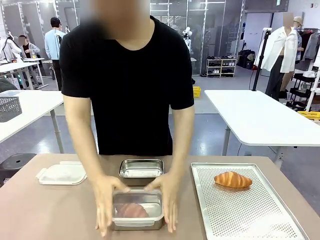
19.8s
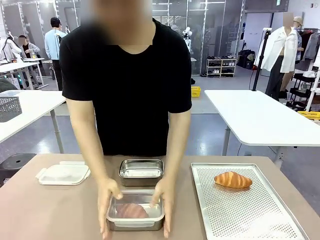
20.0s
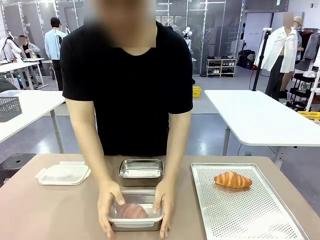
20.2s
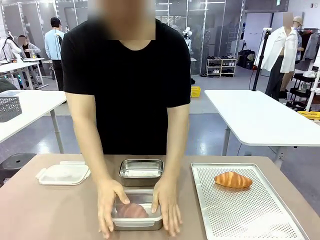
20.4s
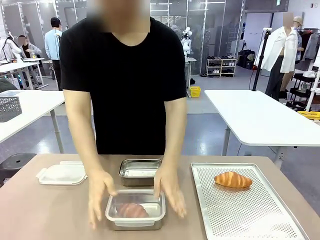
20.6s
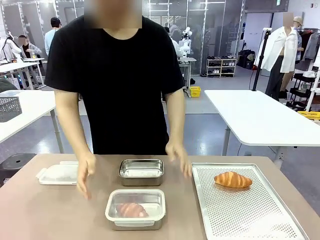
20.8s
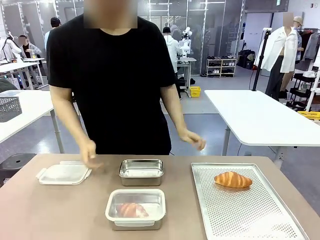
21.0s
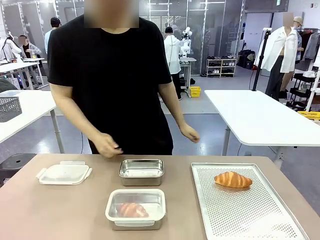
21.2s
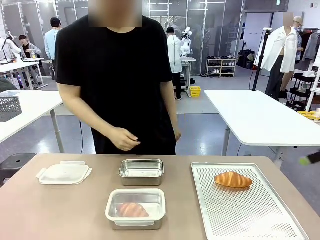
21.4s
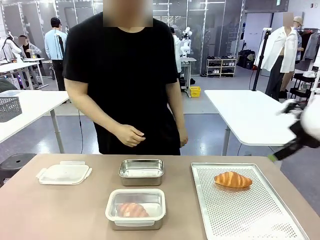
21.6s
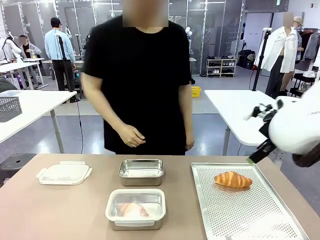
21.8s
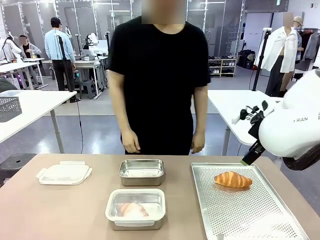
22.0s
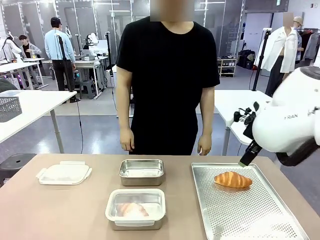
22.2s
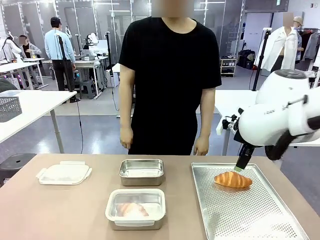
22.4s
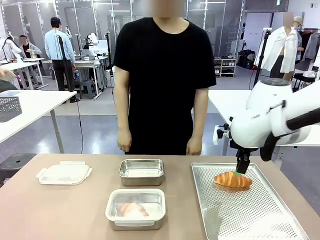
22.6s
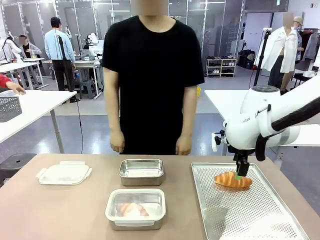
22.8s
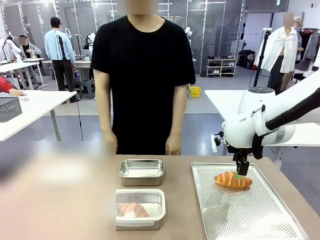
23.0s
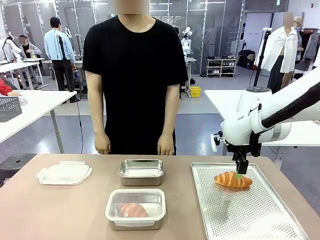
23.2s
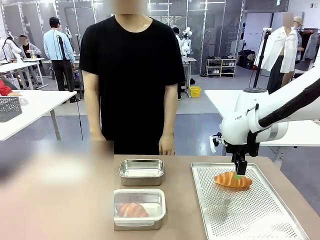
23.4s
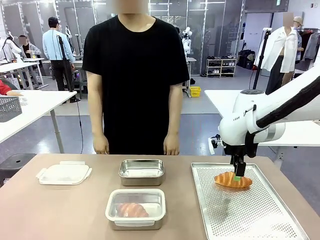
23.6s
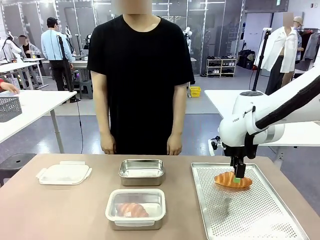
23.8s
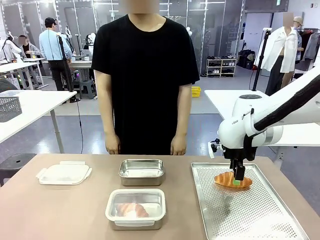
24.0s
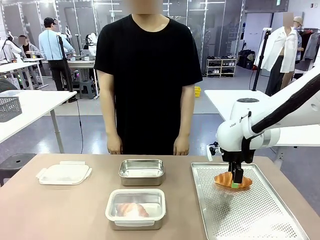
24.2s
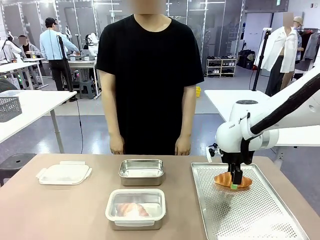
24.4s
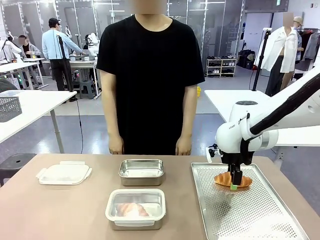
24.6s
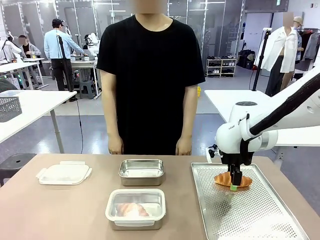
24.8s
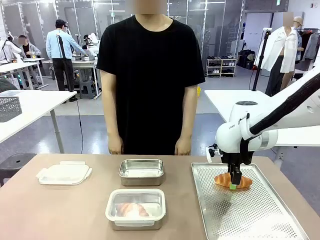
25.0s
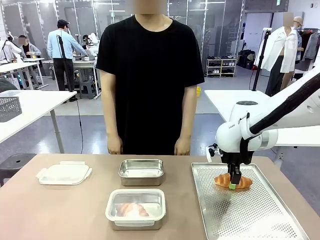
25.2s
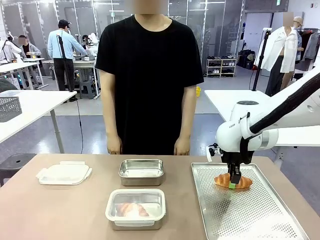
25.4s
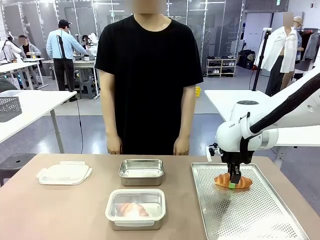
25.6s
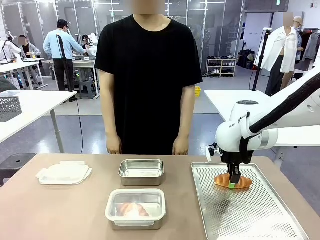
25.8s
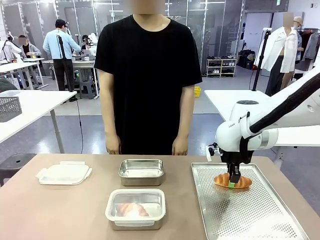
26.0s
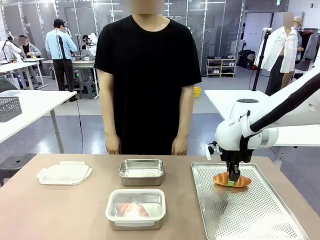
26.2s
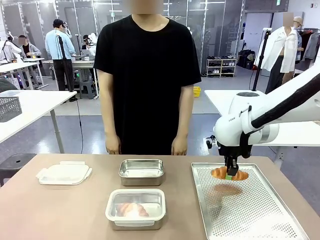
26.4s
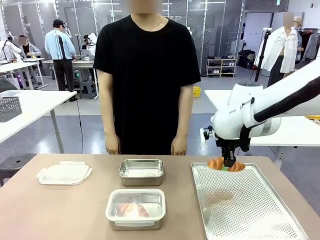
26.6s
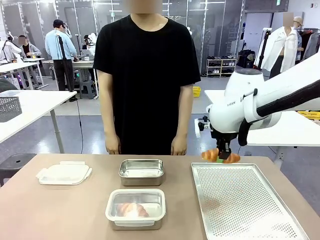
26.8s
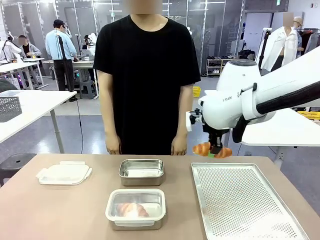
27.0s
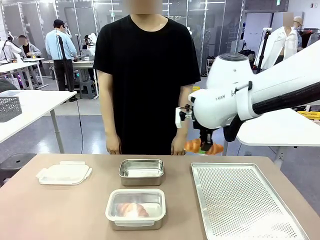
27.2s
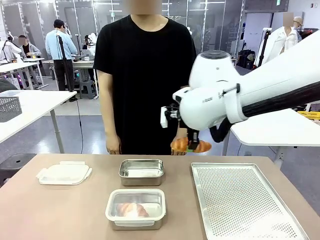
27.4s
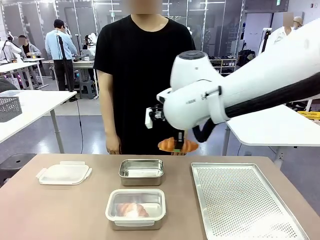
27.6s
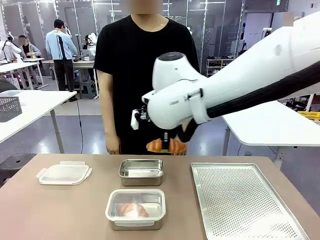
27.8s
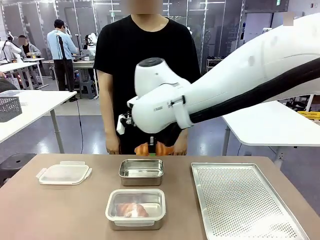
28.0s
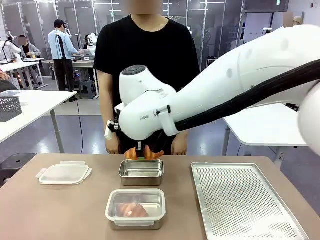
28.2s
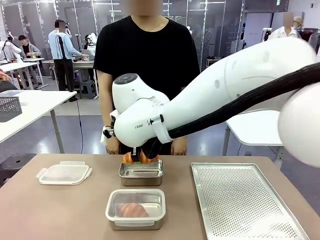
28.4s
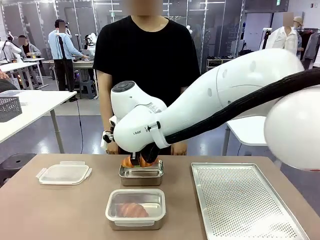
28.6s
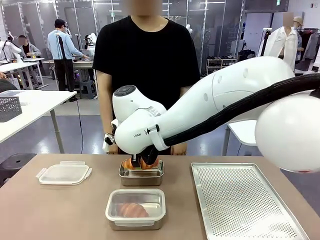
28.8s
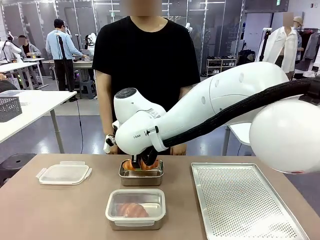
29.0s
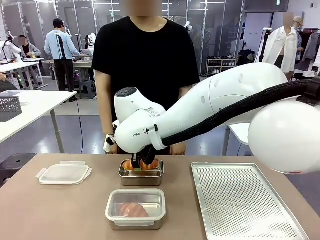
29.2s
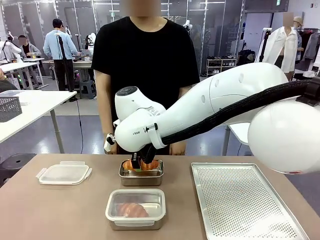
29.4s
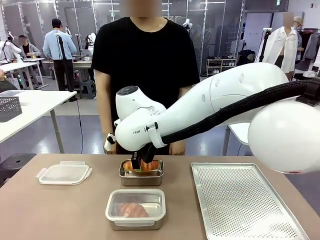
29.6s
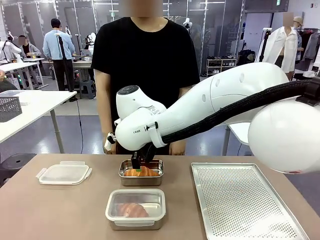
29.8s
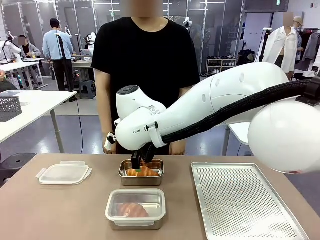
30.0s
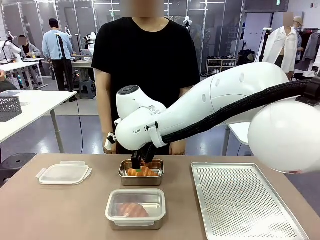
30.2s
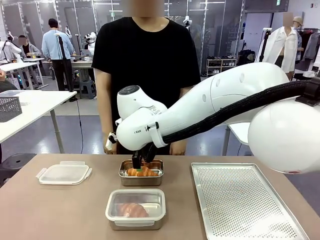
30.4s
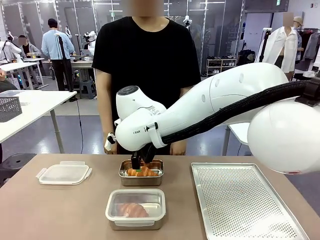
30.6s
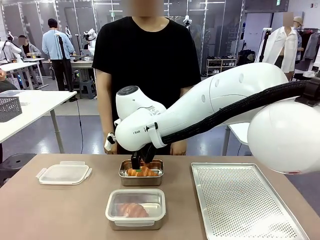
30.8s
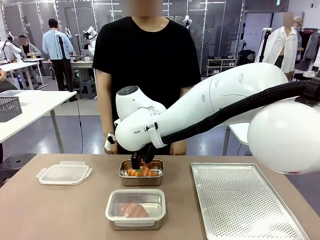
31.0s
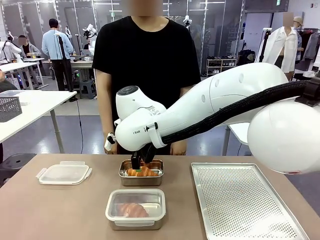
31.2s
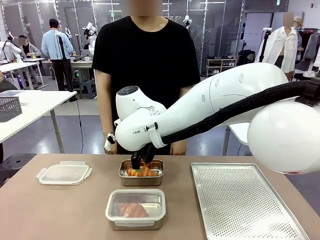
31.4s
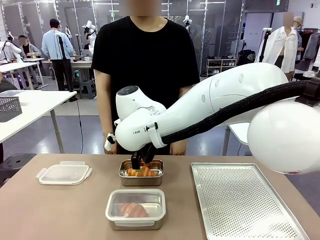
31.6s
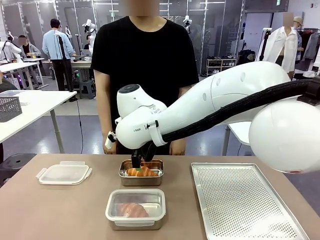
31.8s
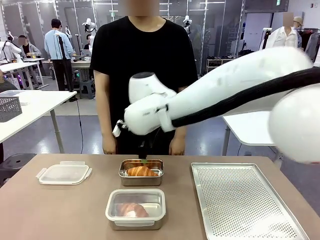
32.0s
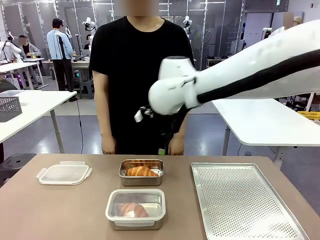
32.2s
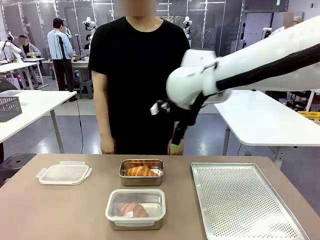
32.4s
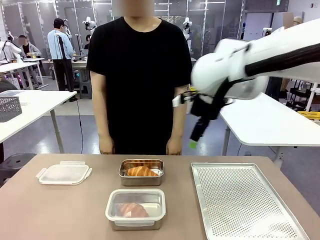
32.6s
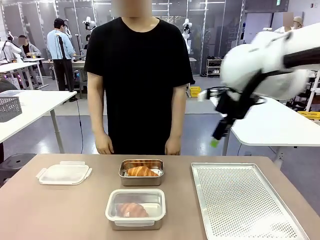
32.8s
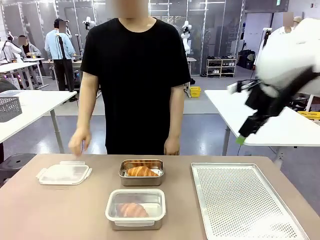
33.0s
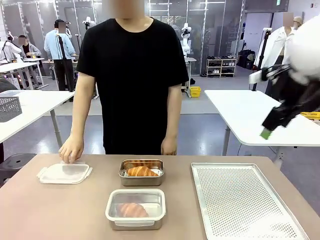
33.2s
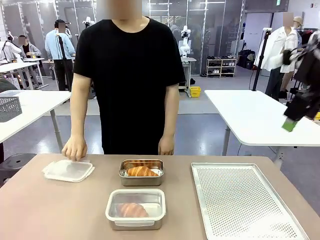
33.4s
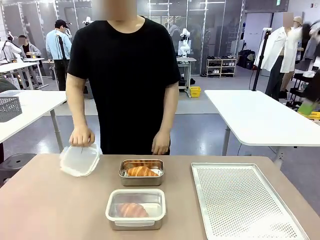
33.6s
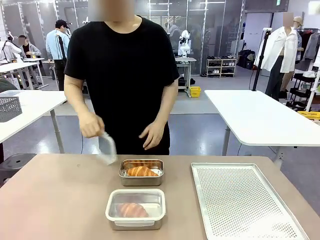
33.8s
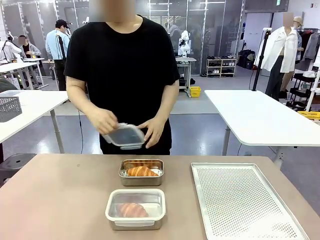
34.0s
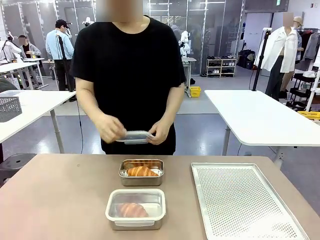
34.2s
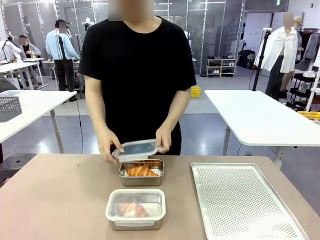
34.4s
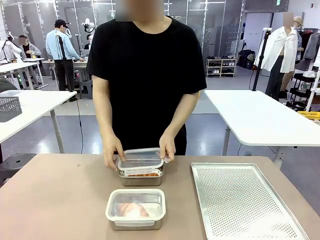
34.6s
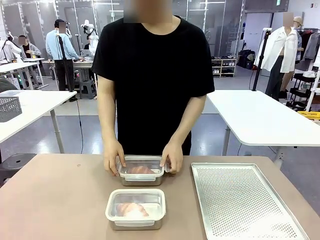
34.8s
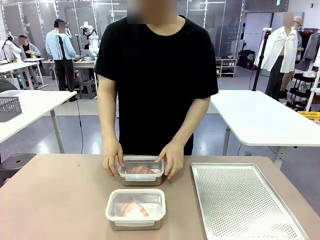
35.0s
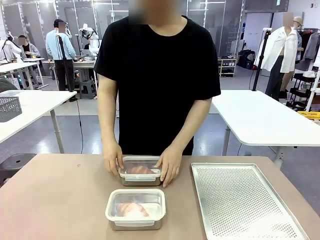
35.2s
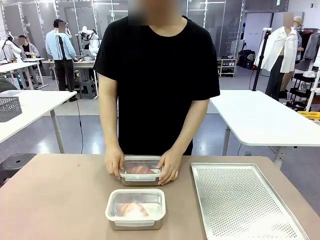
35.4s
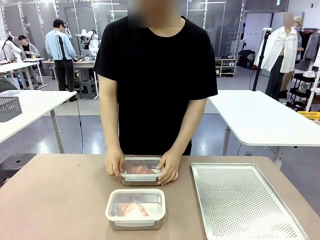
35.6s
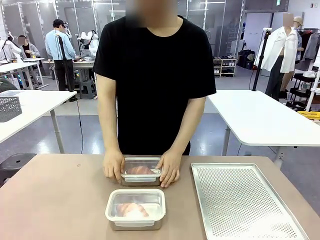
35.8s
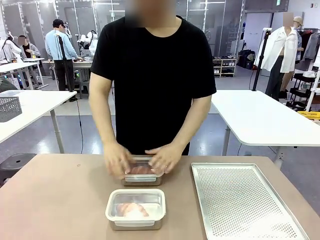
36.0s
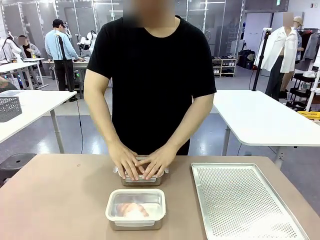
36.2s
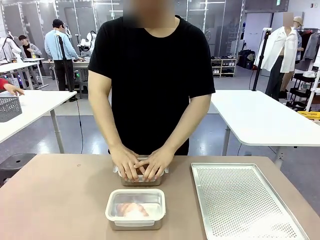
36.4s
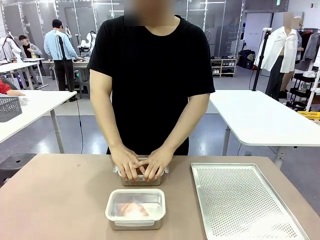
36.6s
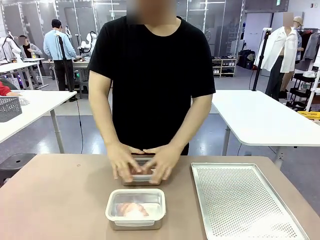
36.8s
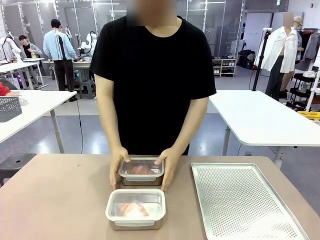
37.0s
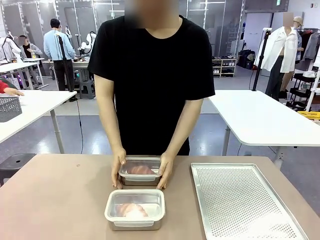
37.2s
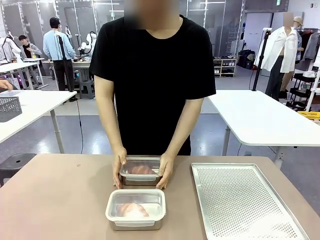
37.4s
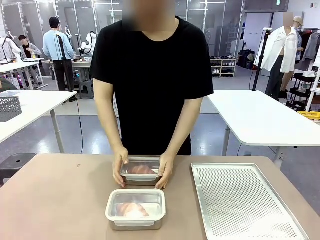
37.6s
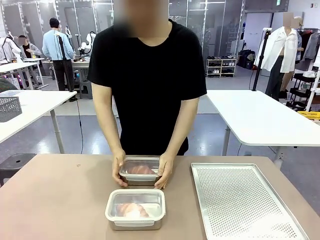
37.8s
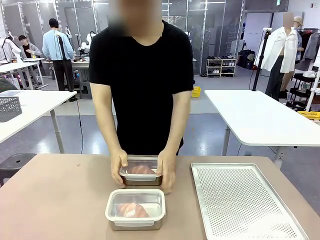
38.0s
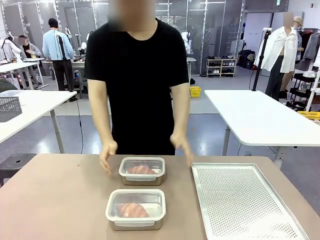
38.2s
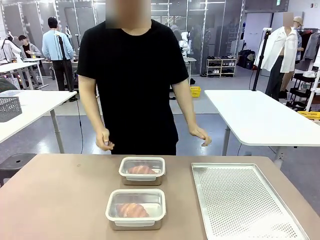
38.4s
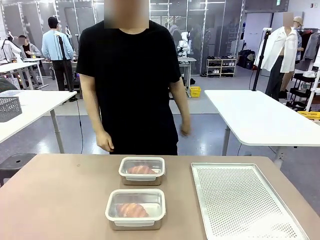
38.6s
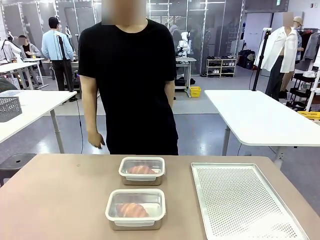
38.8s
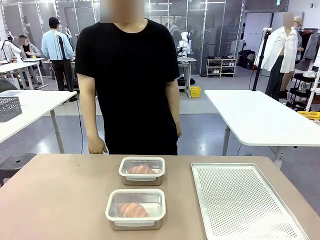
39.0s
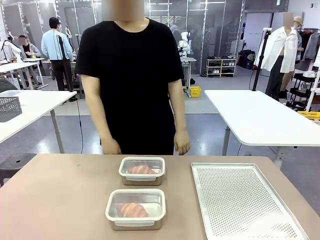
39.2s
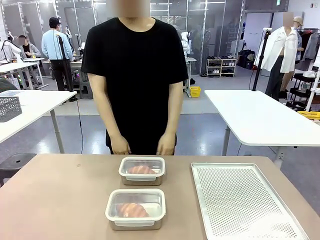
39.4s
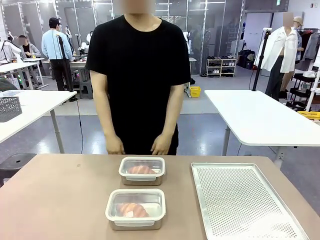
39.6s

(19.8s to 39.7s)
Task: Place the bread into the airtight container.
Robot: Pick up a Butter Roll and place it into an empty Airtight Container.
Person: Once a Butter Roll is inside an Airtight Container , close the lid of that Airtight Container.
